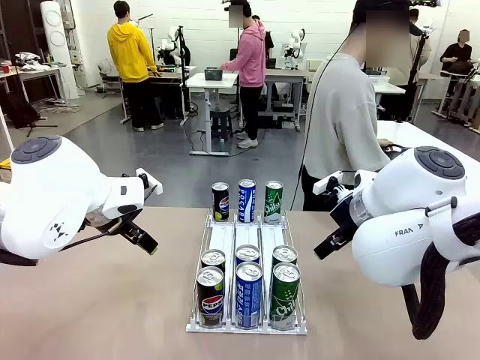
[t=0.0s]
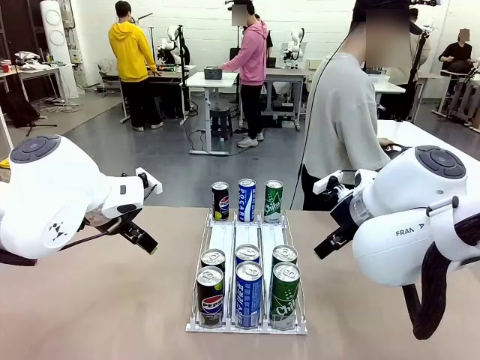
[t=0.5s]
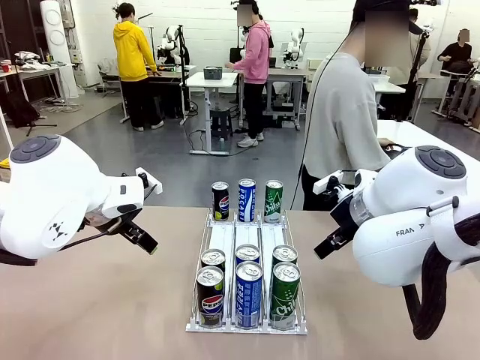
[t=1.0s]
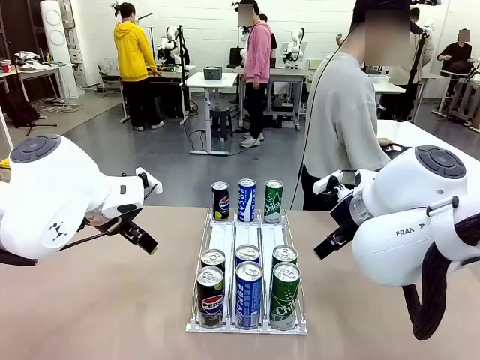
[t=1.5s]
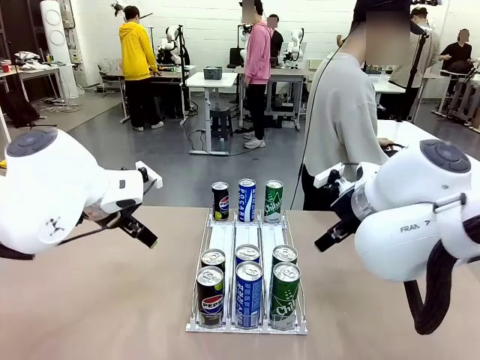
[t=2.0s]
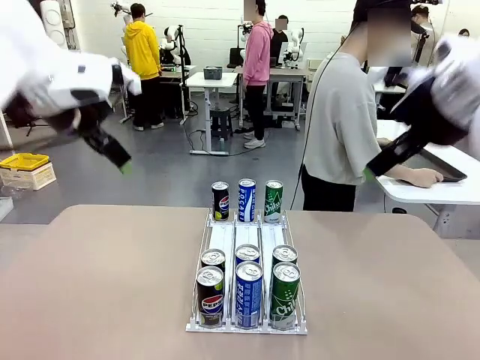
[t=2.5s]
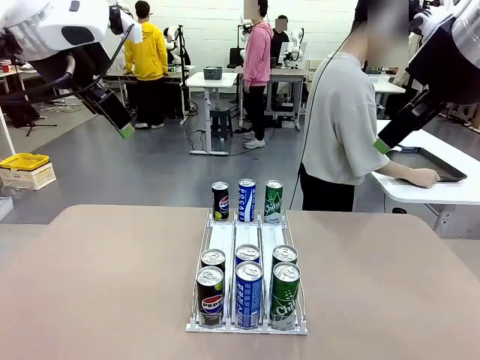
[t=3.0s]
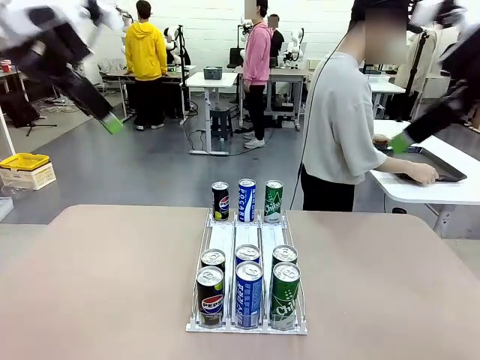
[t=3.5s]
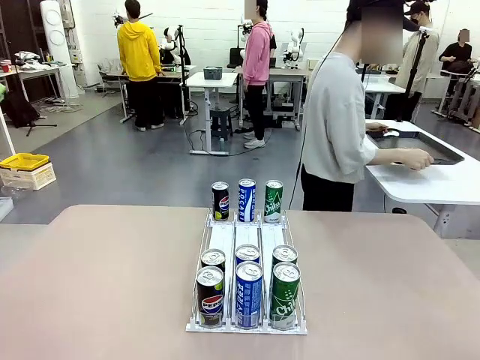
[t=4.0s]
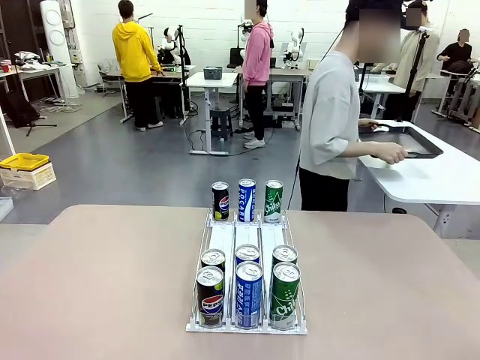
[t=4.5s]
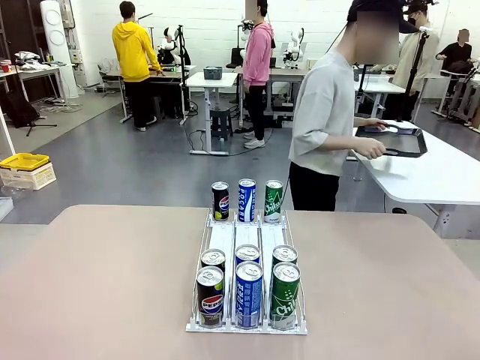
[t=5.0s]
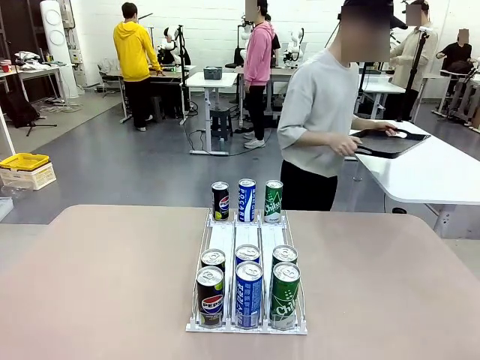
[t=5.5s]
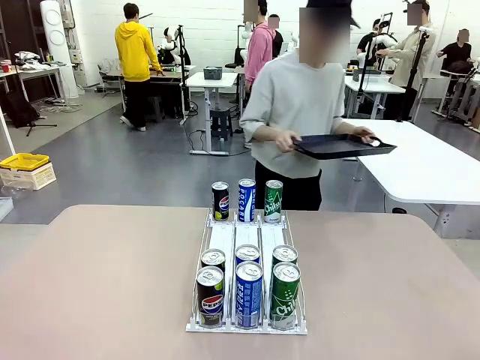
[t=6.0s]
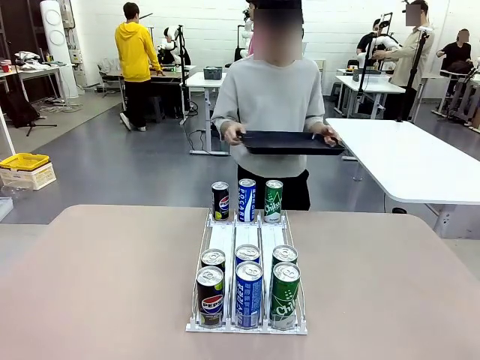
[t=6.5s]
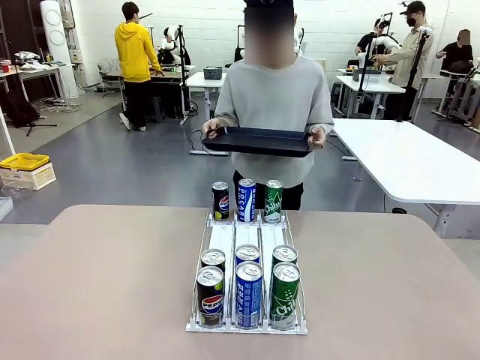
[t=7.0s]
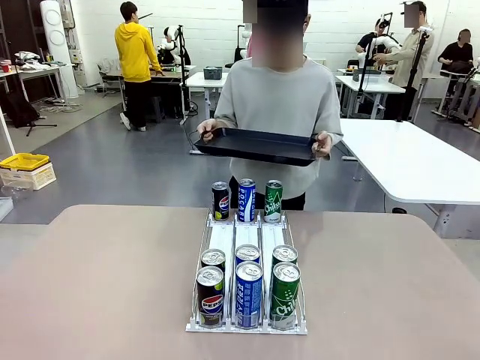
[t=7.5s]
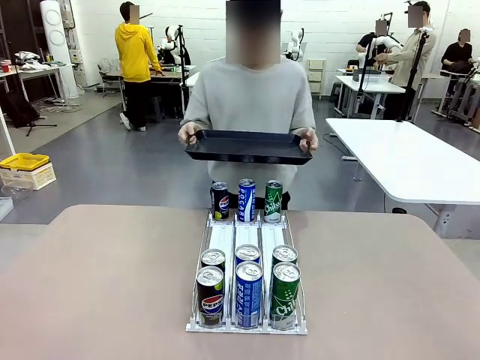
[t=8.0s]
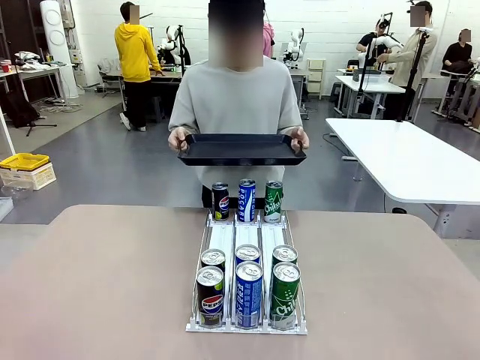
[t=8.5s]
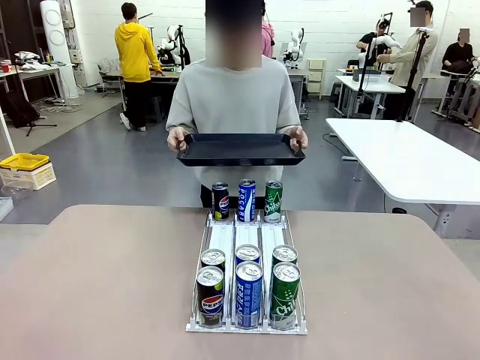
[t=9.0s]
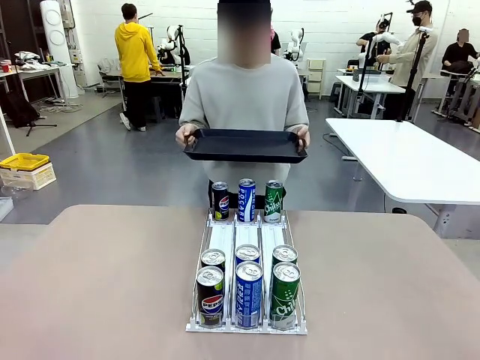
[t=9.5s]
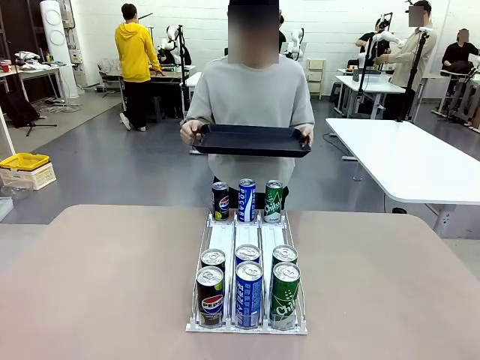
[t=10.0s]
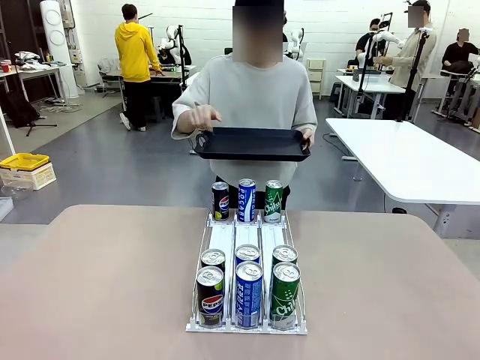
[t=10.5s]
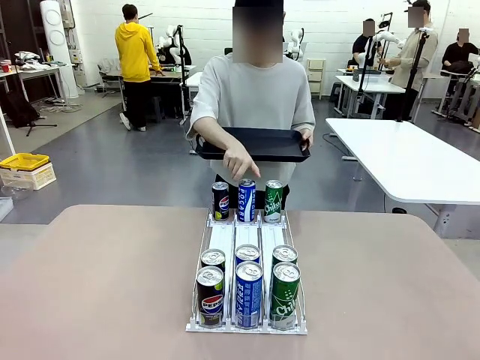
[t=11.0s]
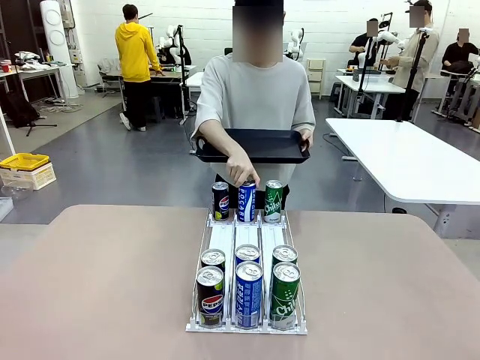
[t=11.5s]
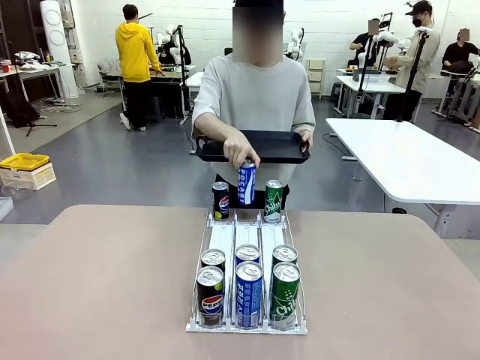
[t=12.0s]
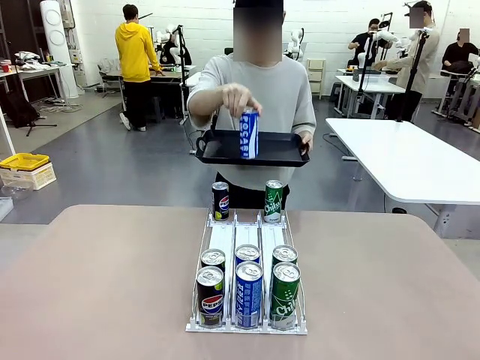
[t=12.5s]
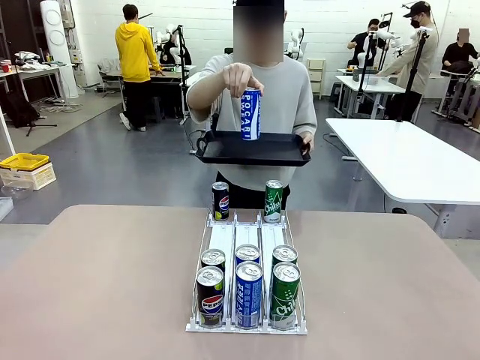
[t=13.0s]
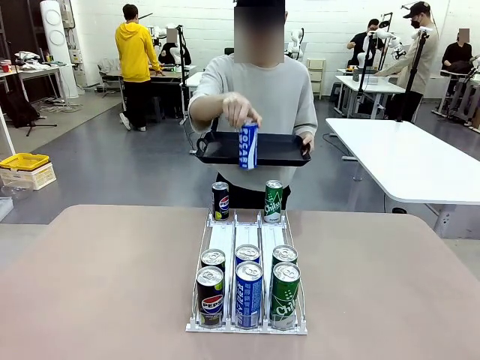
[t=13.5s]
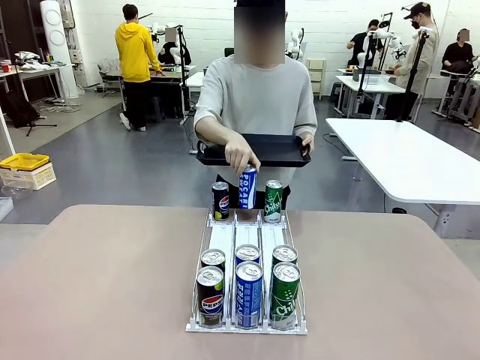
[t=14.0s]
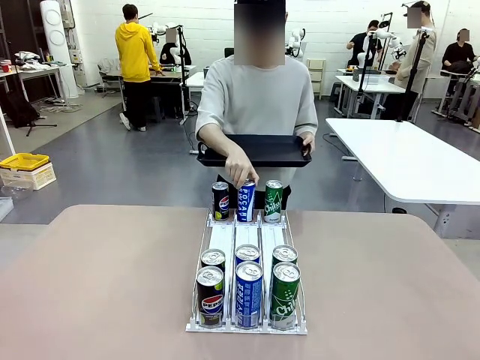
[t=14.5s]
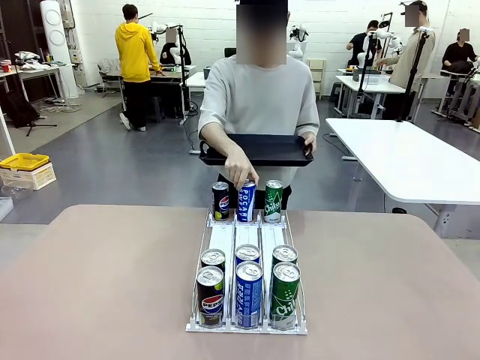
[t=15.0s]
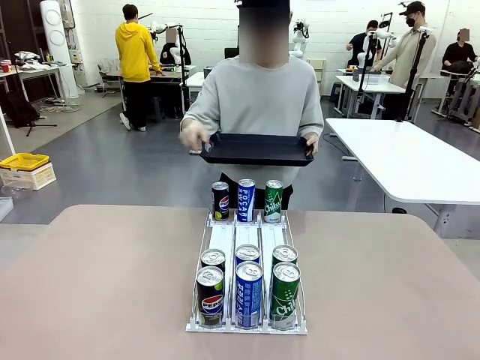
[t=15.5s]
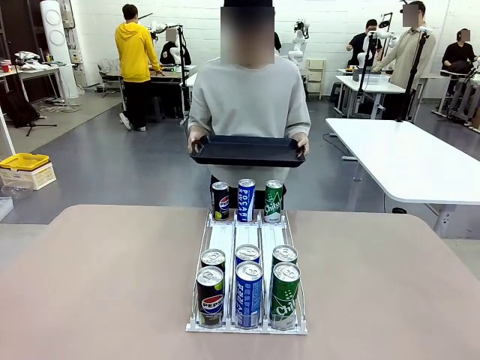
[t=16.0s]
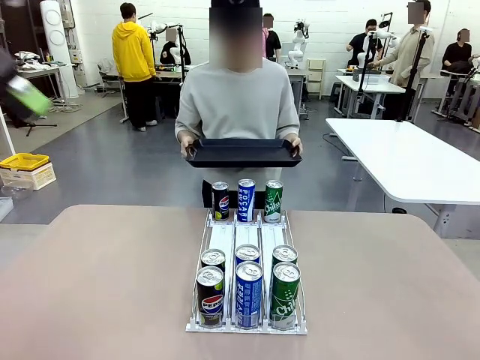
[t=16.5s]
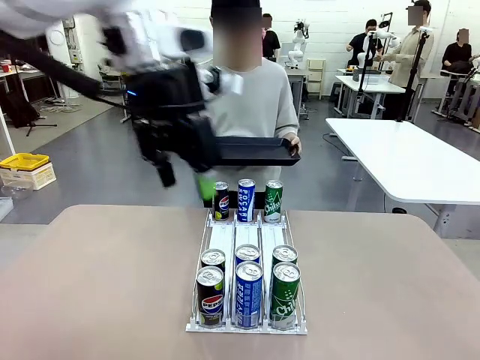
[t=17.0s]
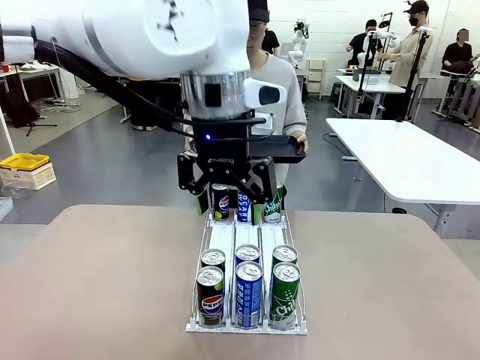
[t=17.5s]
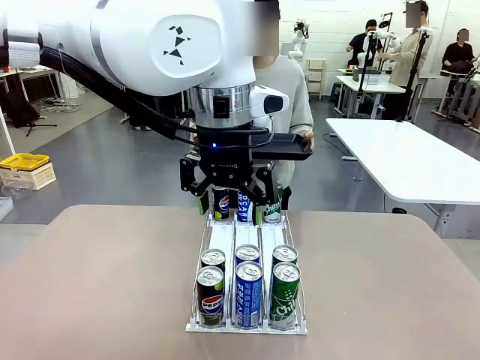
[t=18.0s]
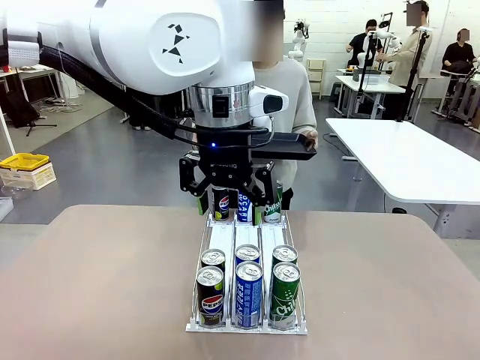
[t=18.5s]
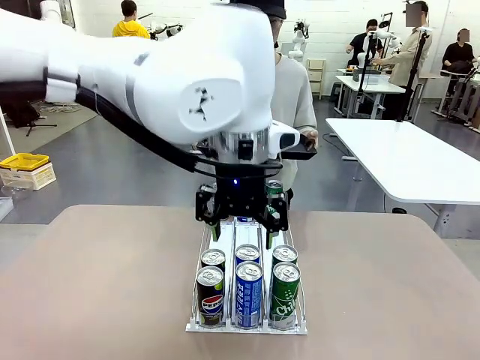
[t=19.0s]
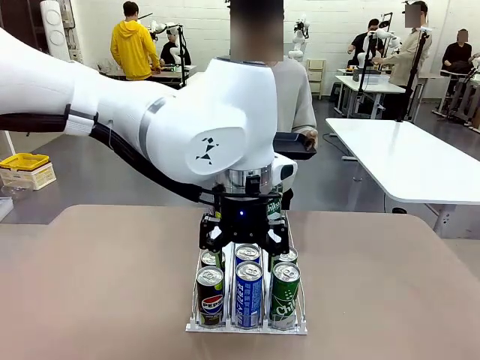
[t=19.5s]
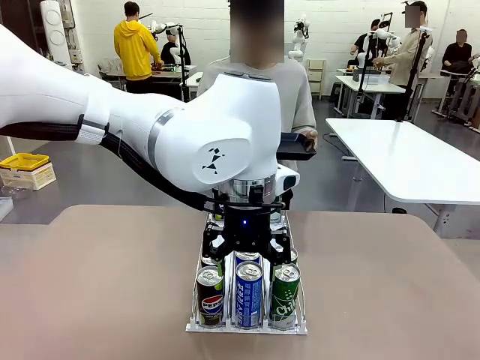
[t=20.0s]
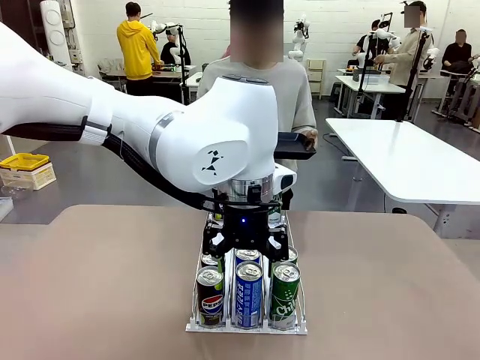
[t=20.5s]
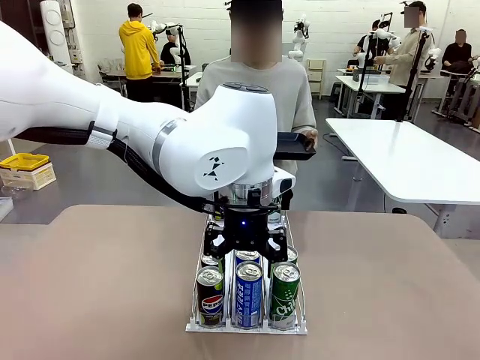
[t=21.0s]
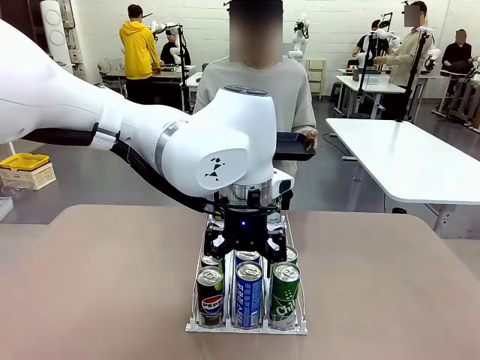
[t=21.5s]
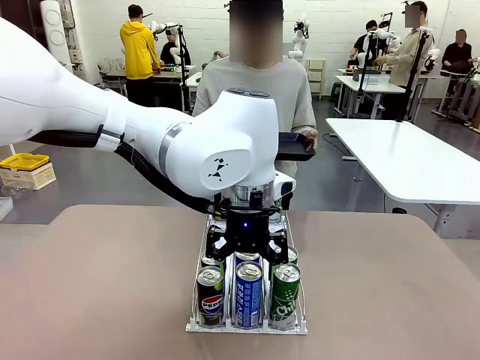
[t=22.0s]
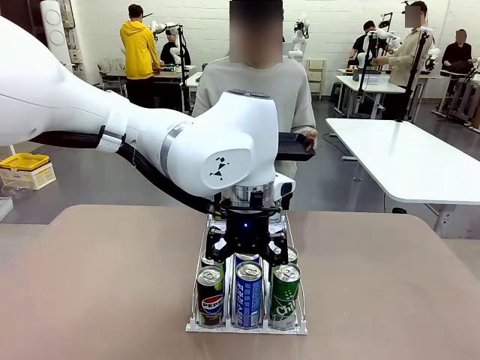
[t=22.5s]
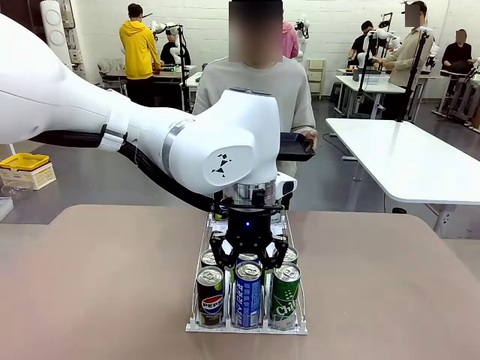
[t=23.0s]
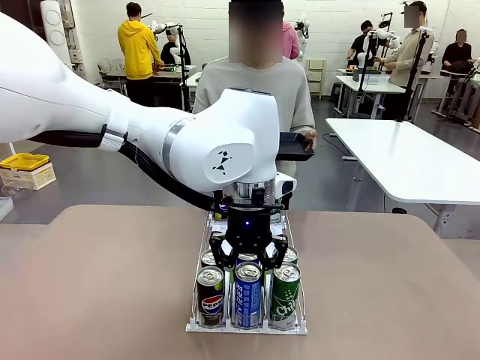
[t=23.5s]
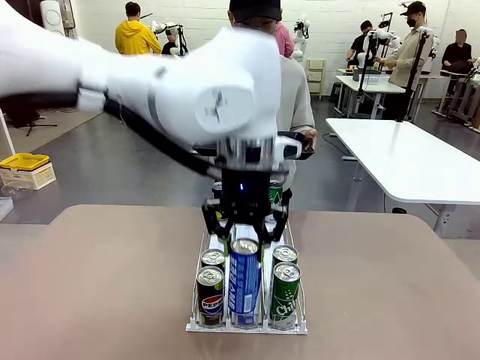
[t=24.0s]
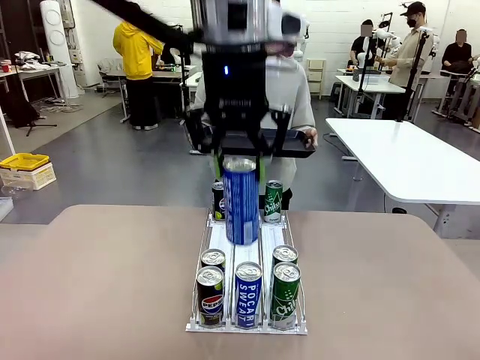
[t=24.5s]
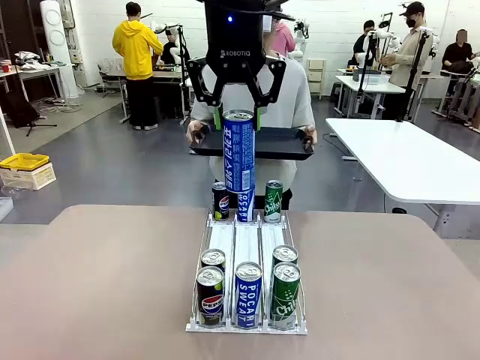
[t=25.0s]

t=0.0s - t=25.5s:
Task: Retrieve and hand over the desired beverage to the person.
Robot: Pick up a can of the same type that the person held from the Automatic Can Dispenser.
Person: Hold the tray and position yourself in front of the robot table. Pick up one can from the bottom area of the table and puts it back in its original place. Push the tray toward the robot.
